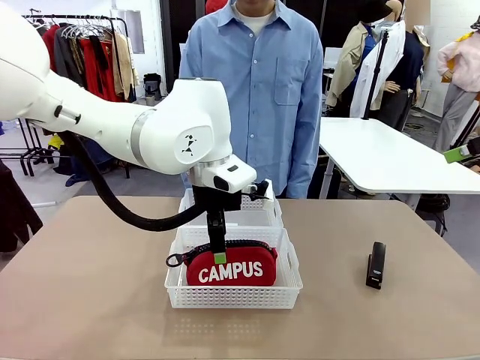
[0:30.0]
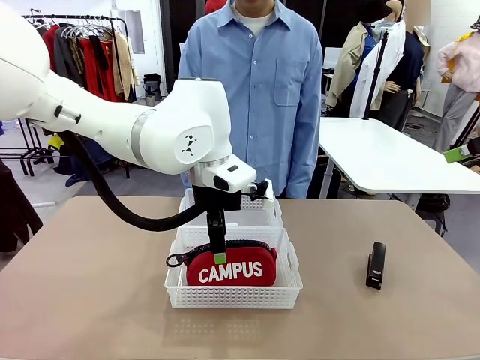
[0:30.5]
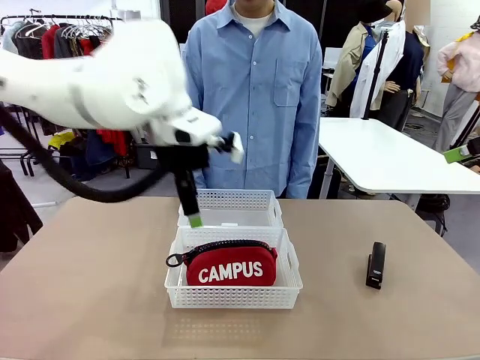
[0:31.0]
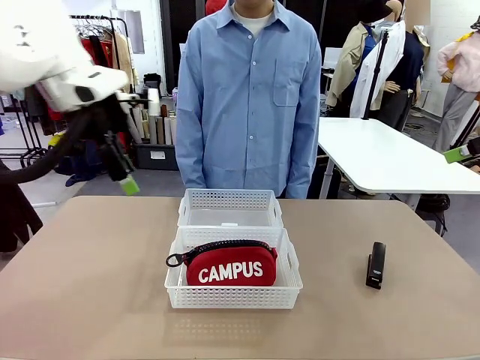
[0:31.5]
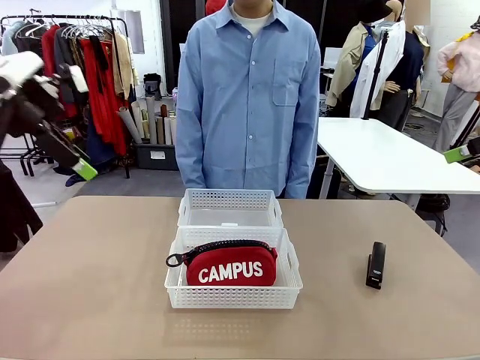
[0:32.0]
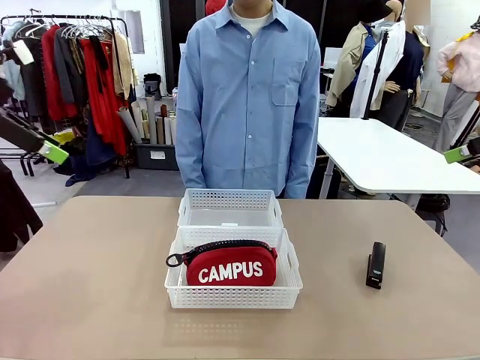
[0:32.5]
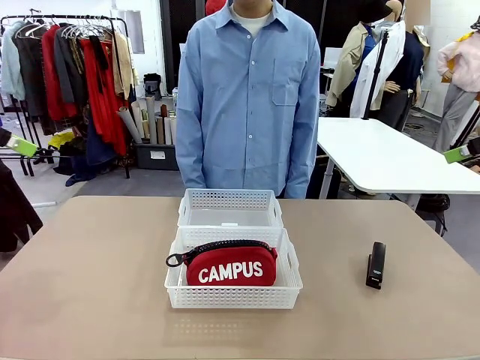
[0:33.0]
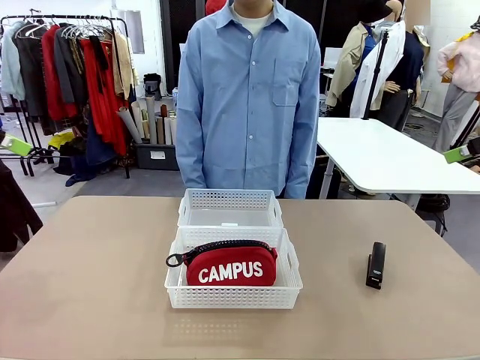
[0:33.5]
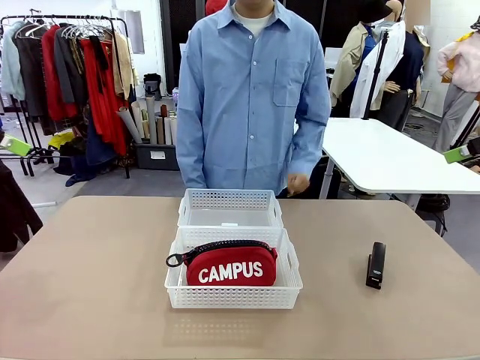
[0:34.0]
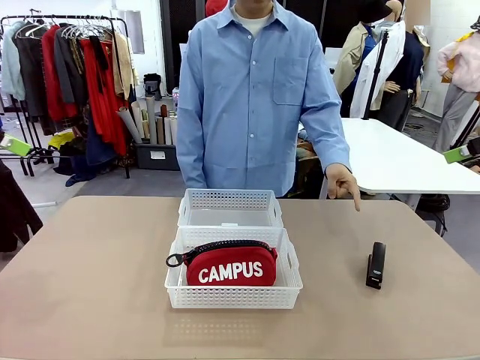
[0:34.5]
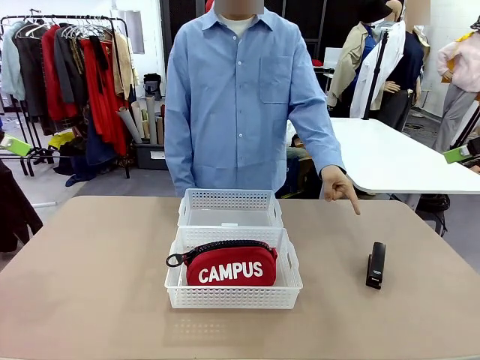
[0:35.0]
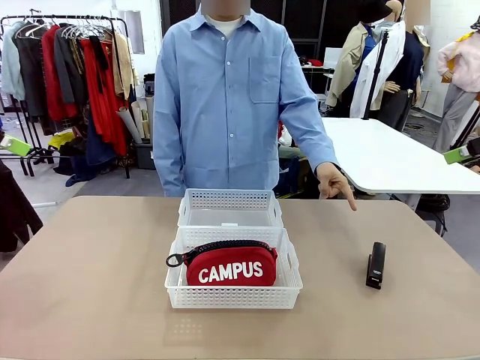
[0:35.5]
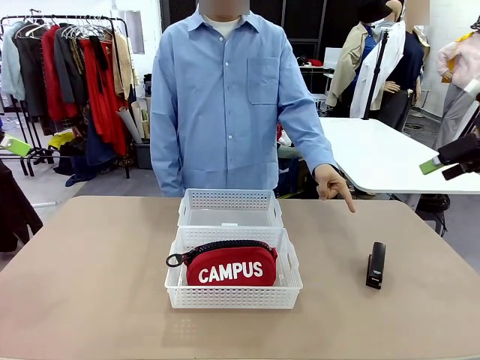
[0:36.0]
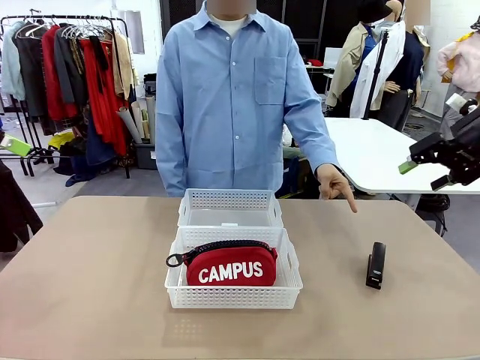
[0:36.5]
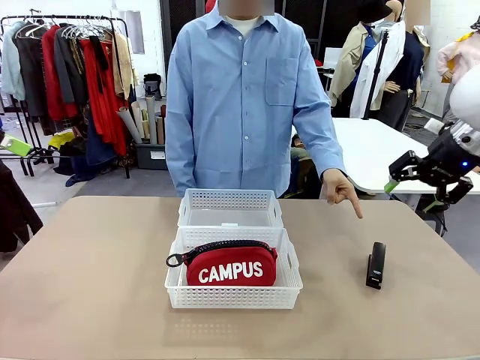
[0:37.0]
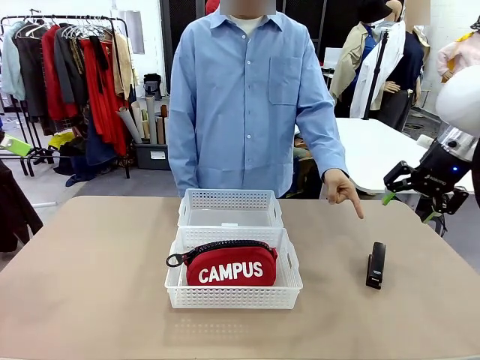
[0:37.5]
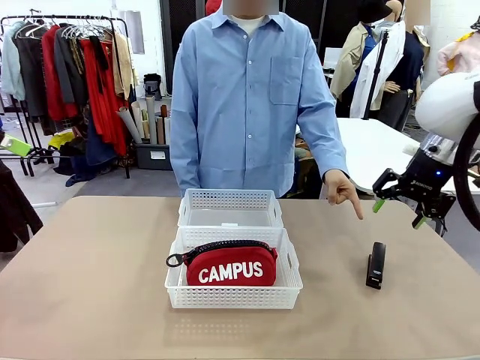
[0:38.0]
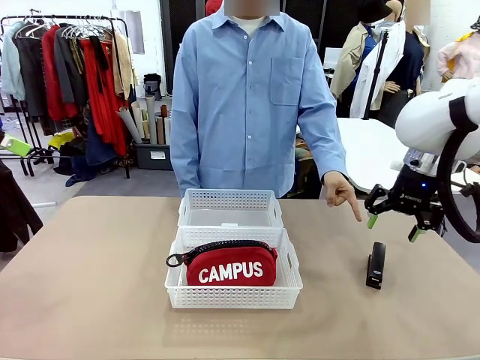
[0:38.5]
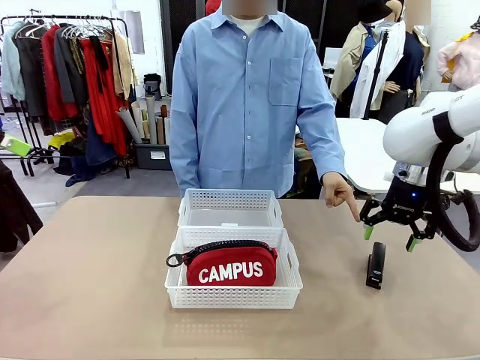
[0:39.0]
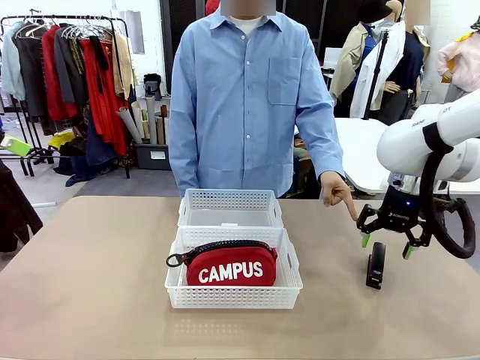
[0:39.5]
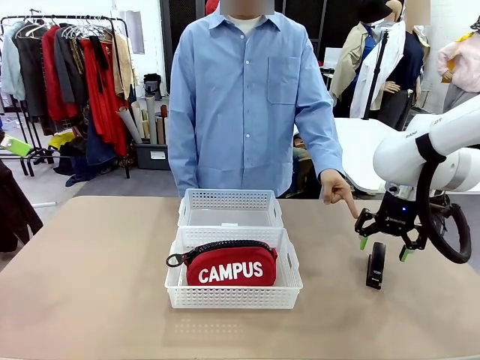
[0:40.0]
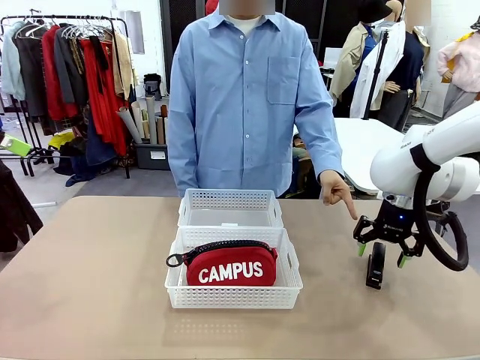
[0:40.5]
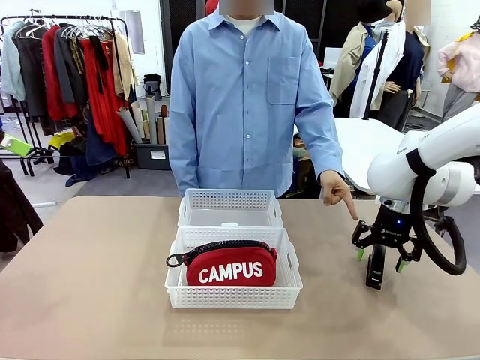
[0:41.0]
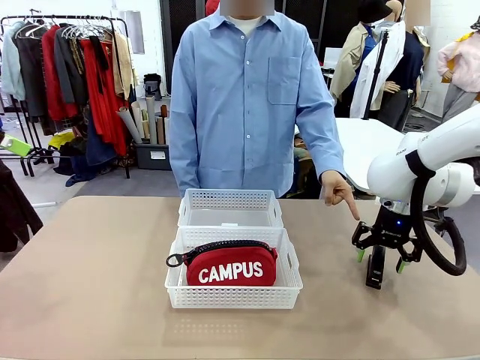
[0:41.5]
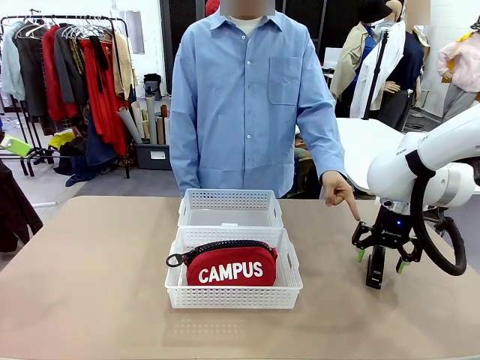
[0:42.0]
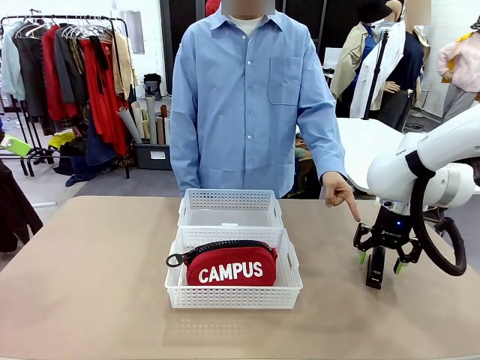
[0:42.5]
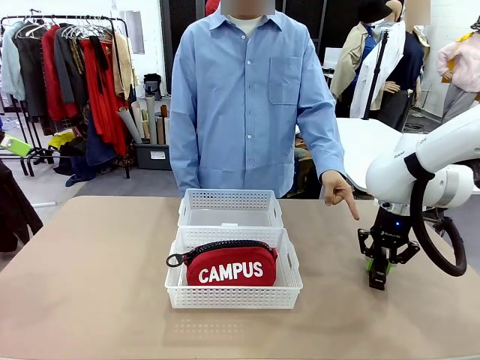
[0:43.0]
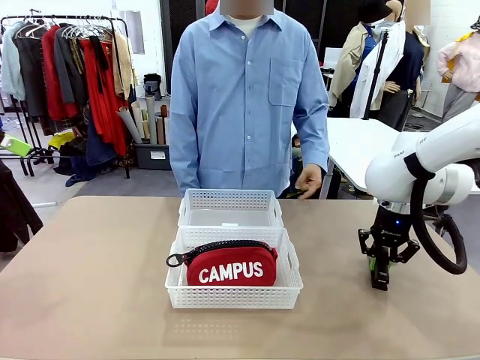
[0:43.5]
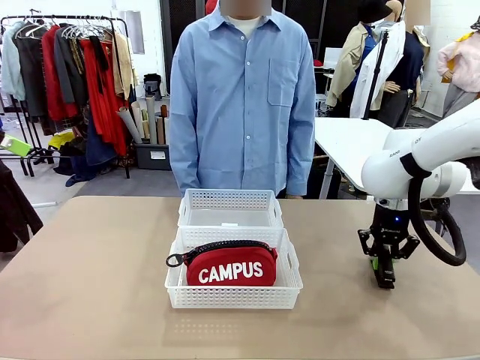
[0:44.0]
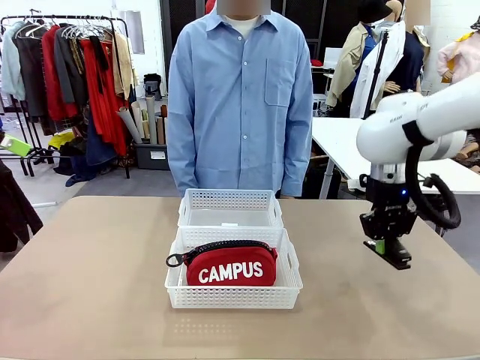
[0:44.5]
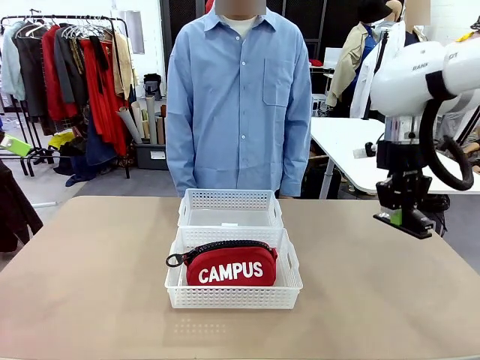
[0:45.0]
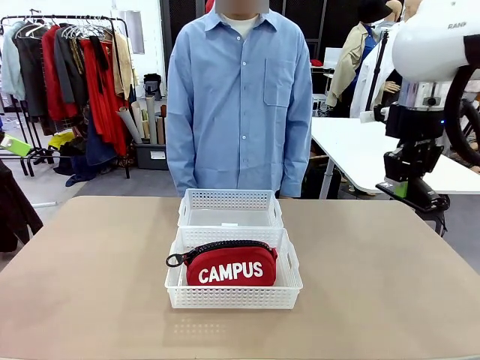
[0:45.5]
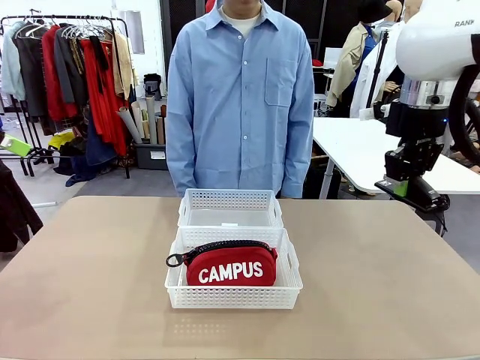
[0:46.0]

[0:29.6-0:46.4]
Task: Distribute items into two baskets.
Robot: Pick up the Stapler that the person points to.

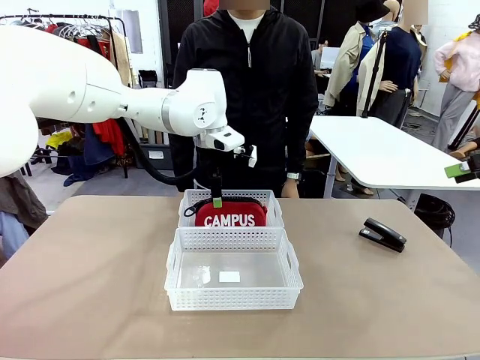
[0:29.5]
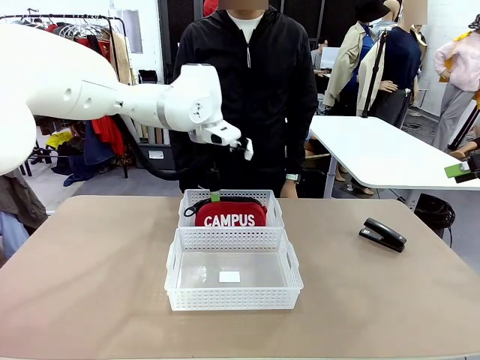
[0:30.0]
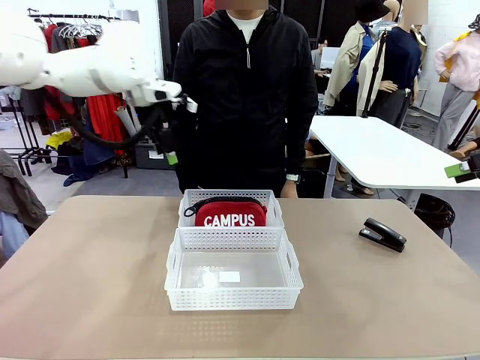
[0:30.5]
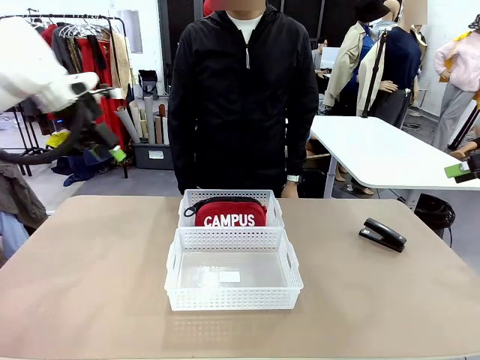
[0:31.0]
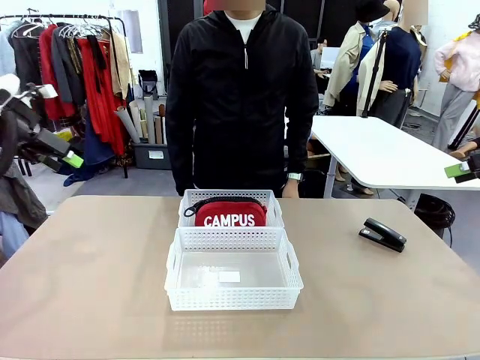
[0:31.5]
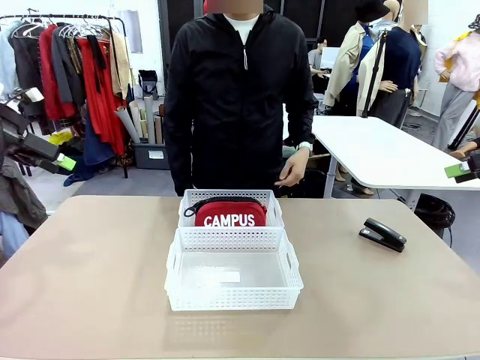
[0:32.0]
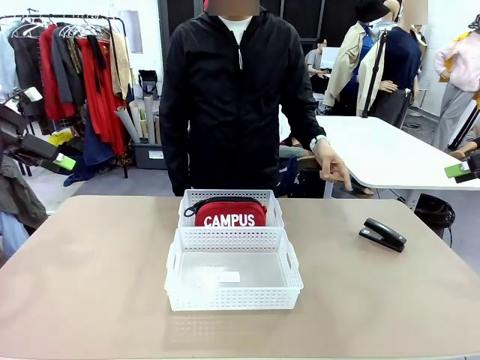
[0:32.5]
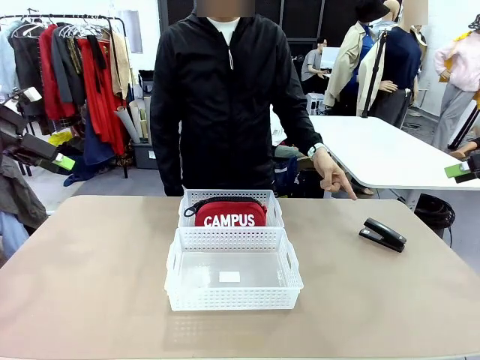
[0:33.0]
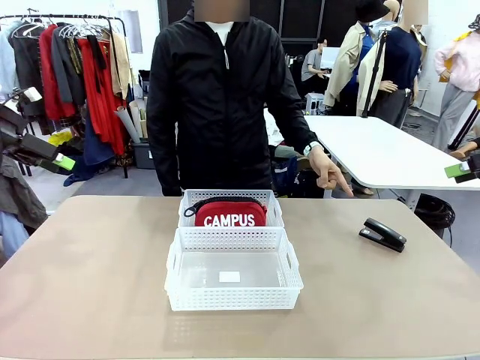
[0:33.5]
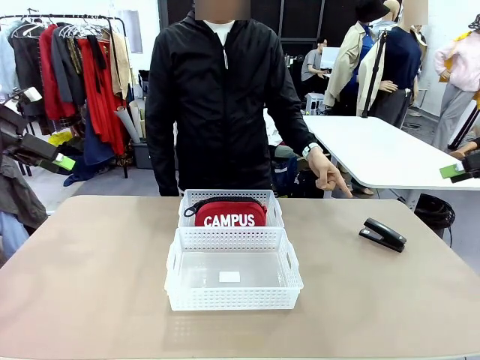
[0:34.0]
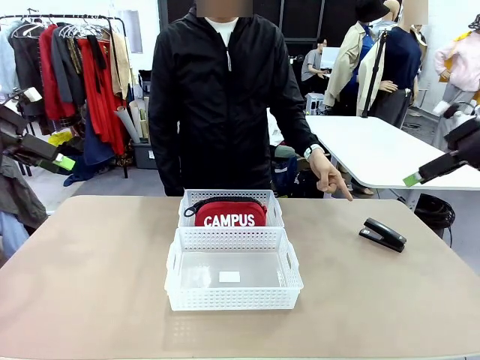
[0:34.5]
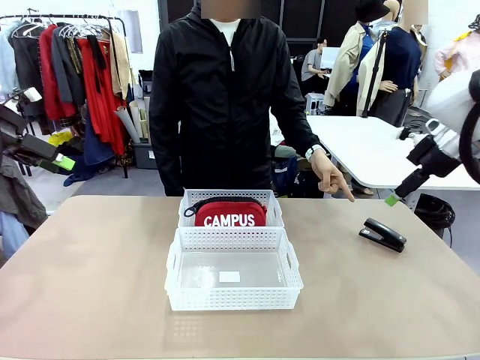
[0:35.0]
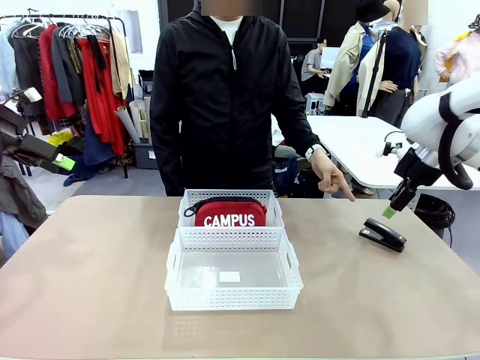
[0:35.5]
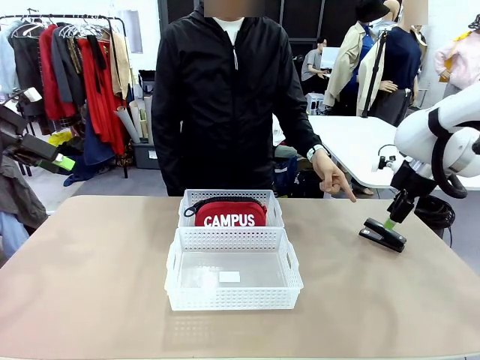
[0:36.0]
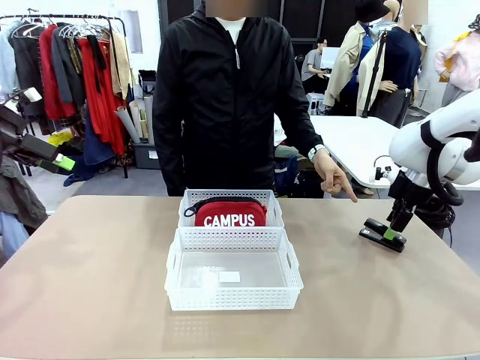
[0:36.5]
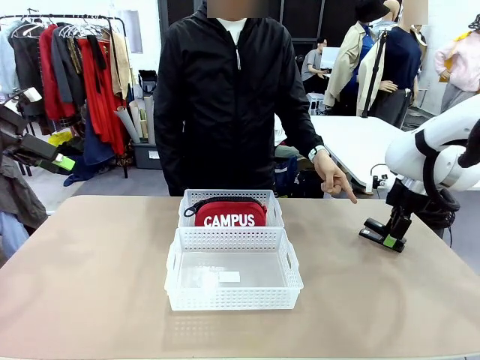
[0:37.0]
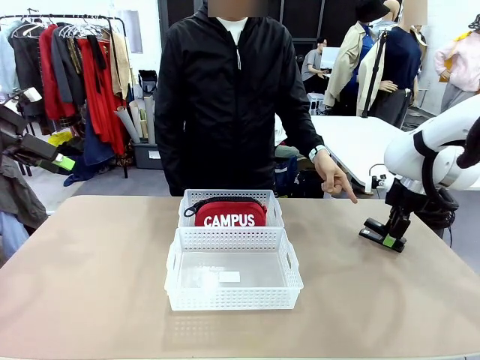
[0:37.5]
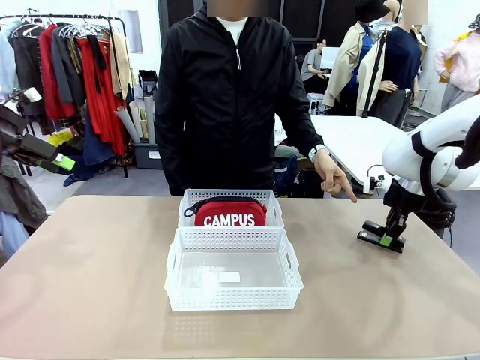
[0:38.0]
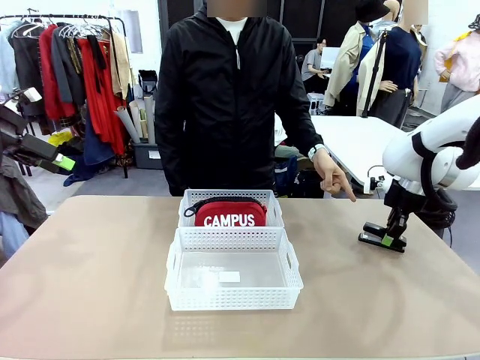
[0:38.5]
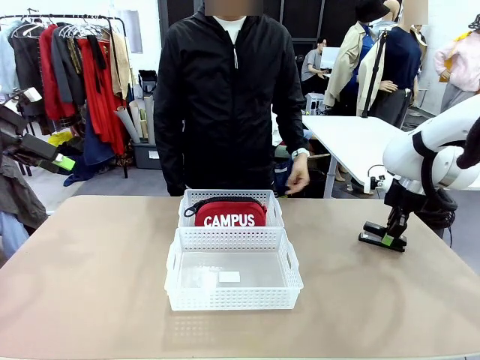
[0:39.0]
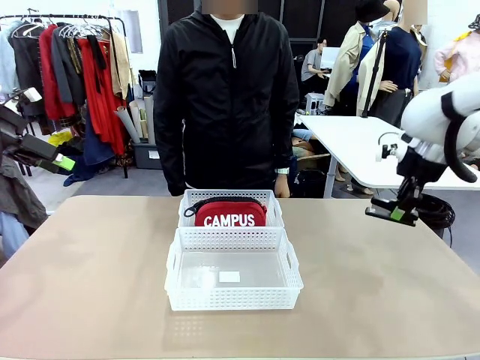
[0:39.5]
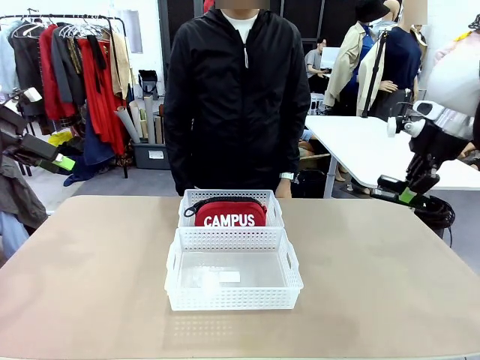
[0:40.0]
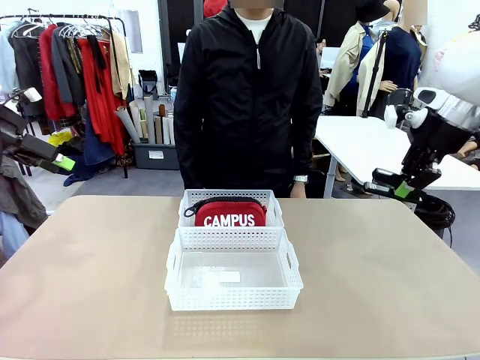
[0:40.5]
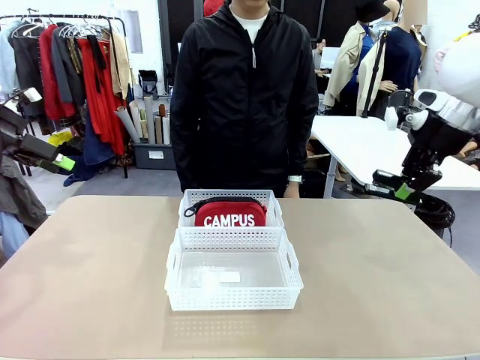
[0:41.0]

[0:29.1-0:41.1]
Task: Distribute items into two baskets.
Robot: Pick up the Stapler that the person points to.
